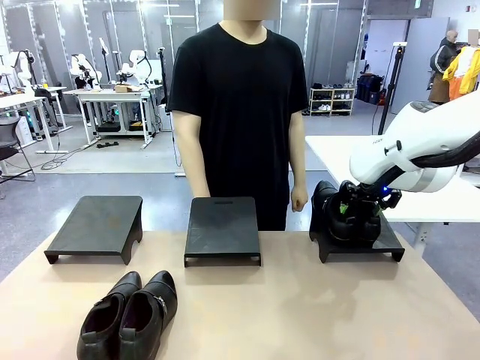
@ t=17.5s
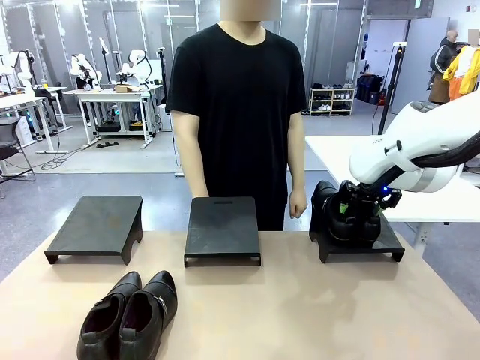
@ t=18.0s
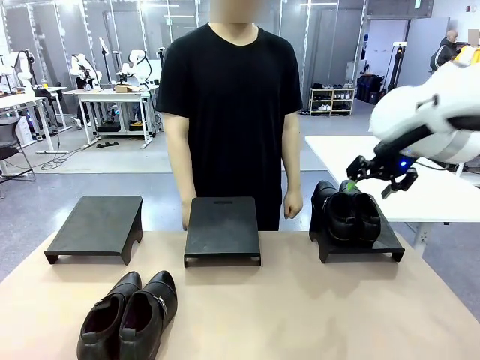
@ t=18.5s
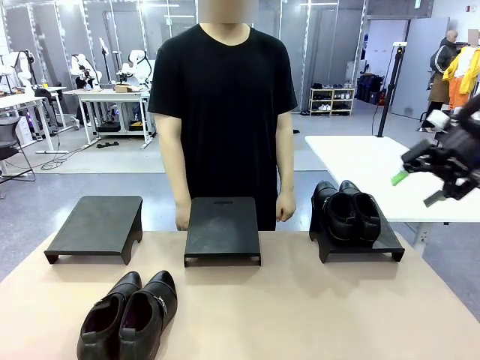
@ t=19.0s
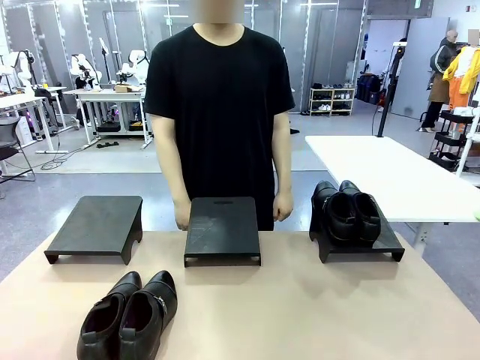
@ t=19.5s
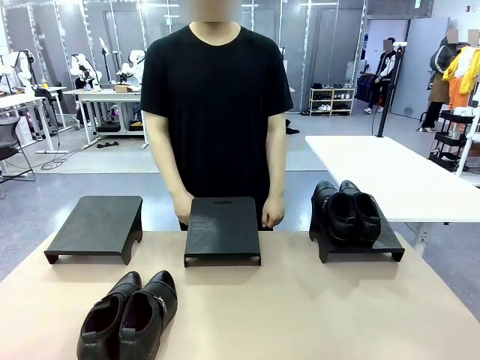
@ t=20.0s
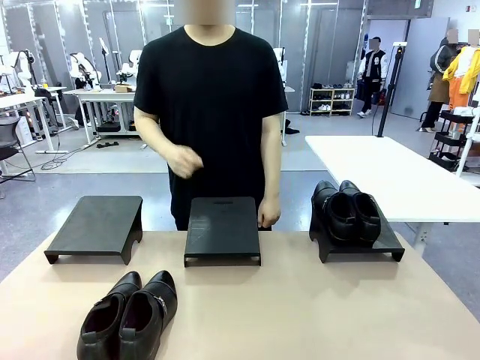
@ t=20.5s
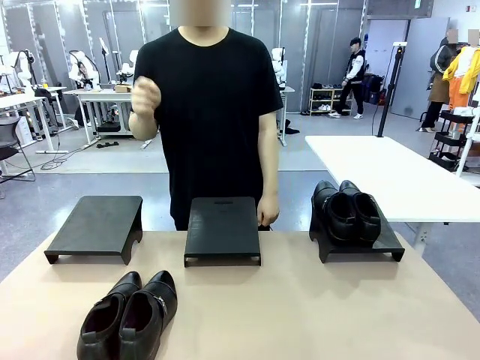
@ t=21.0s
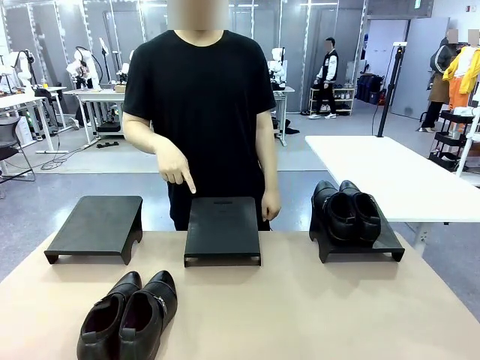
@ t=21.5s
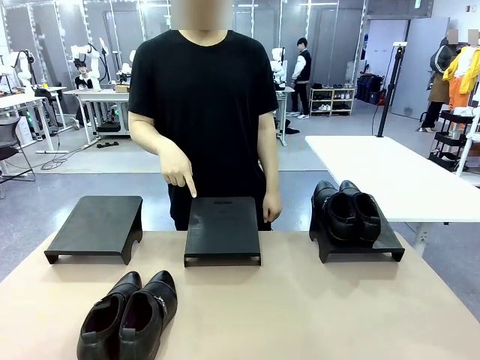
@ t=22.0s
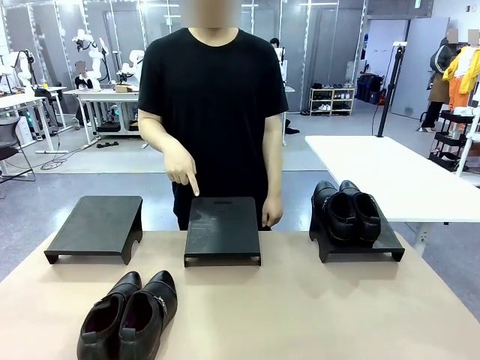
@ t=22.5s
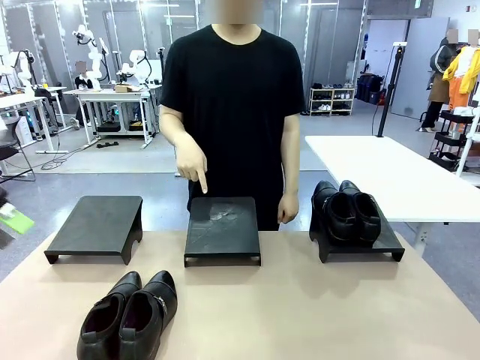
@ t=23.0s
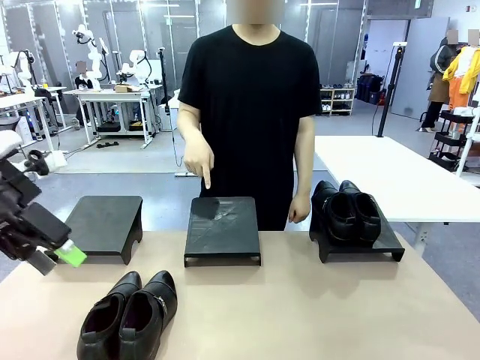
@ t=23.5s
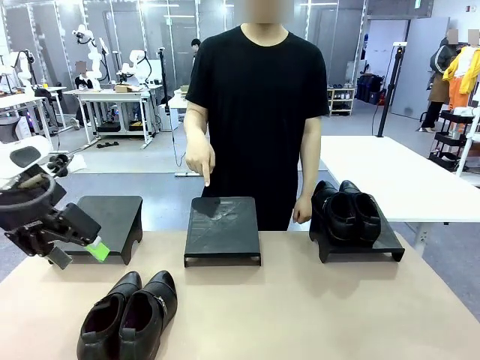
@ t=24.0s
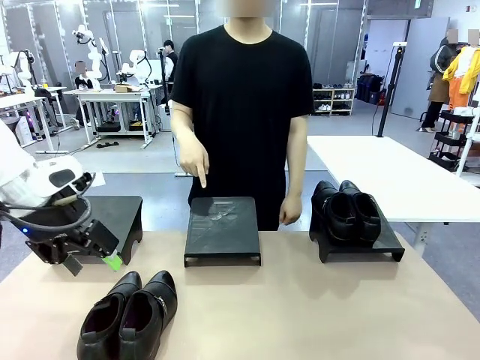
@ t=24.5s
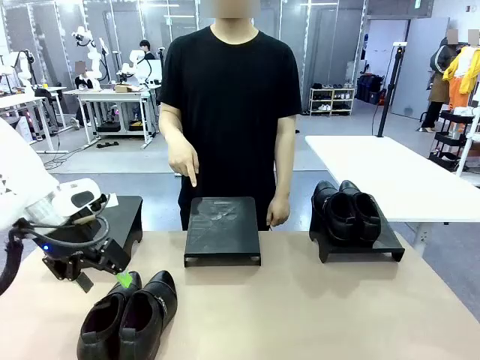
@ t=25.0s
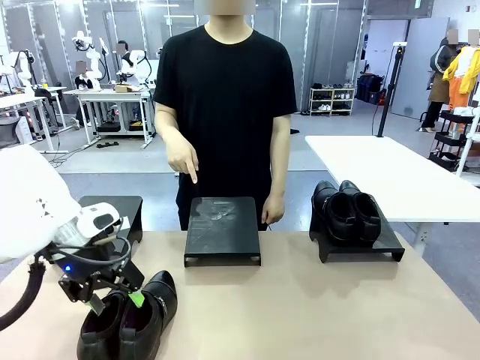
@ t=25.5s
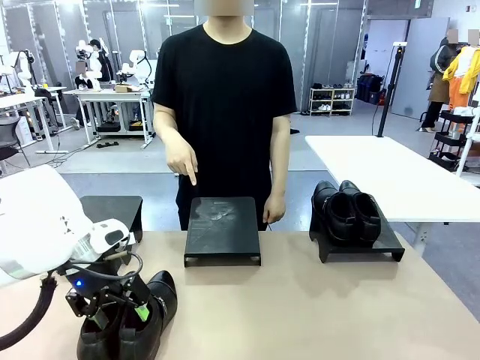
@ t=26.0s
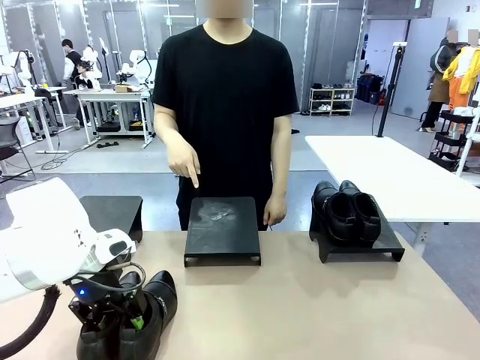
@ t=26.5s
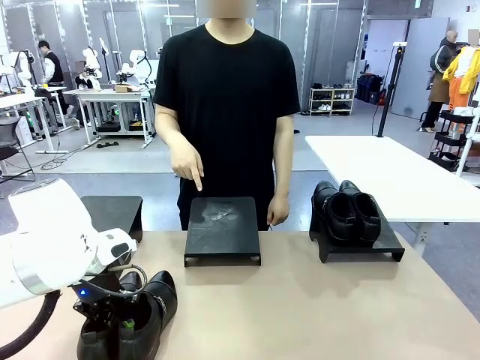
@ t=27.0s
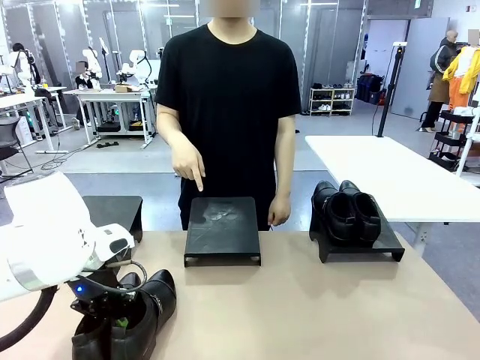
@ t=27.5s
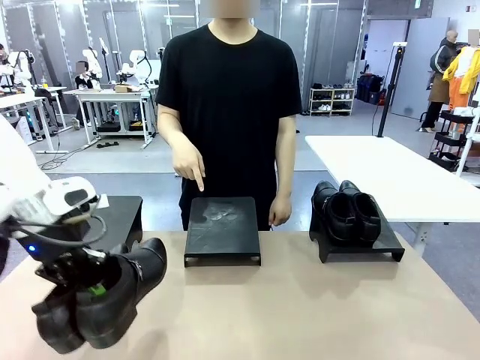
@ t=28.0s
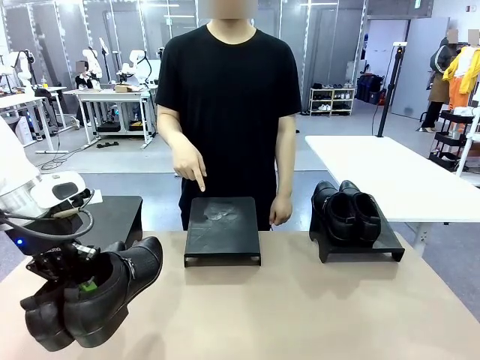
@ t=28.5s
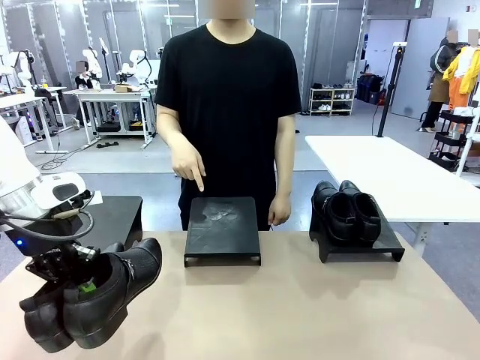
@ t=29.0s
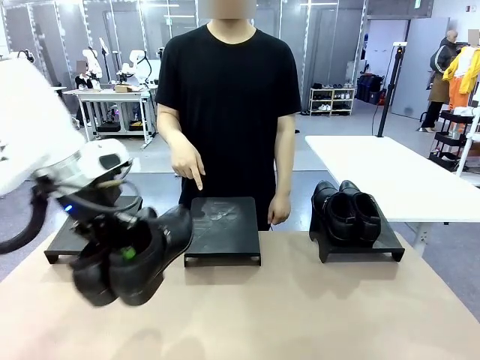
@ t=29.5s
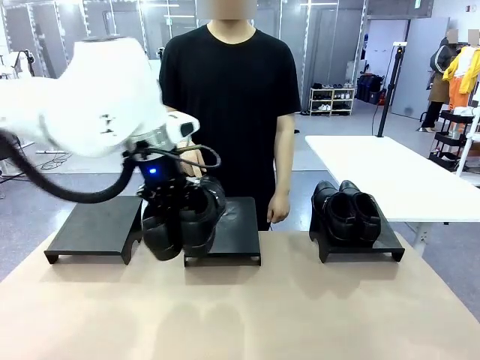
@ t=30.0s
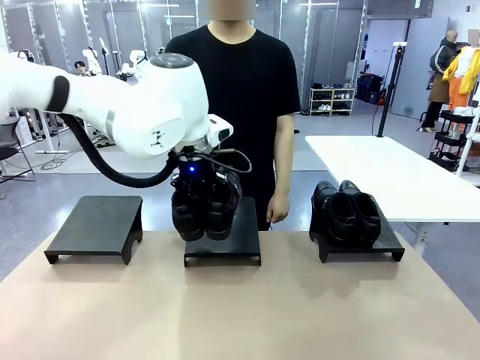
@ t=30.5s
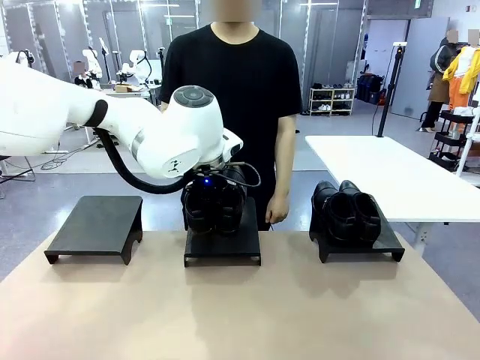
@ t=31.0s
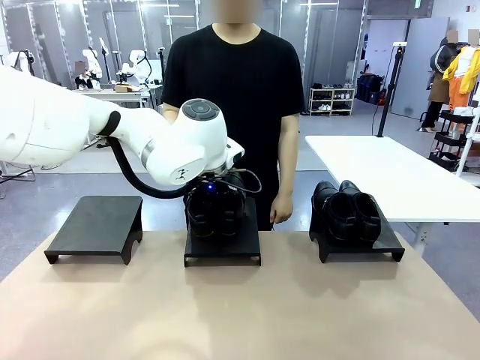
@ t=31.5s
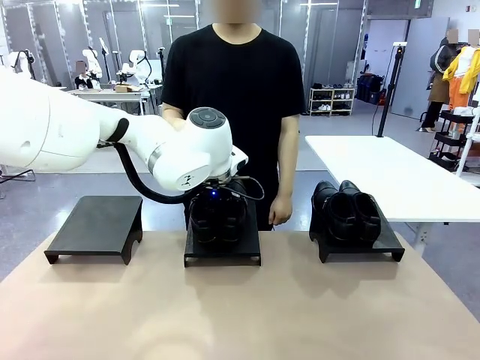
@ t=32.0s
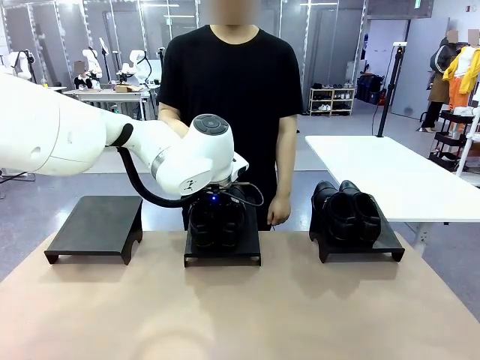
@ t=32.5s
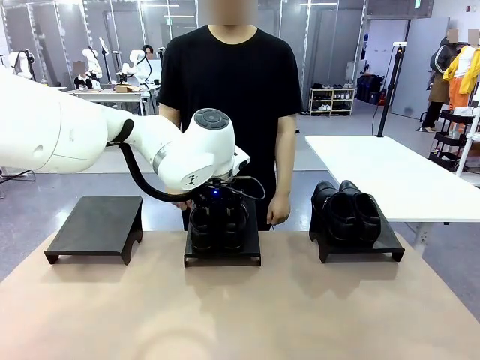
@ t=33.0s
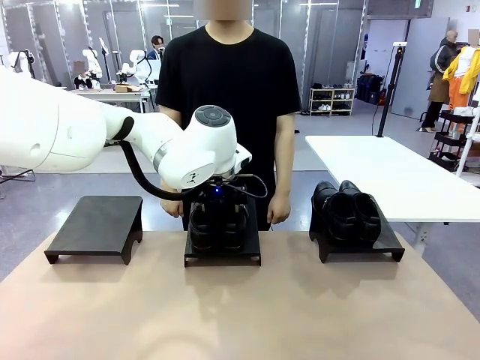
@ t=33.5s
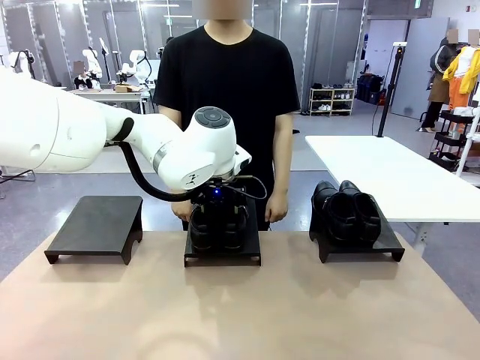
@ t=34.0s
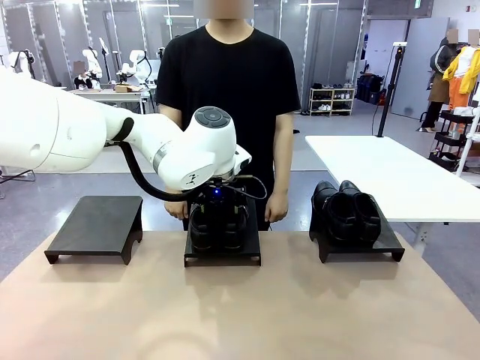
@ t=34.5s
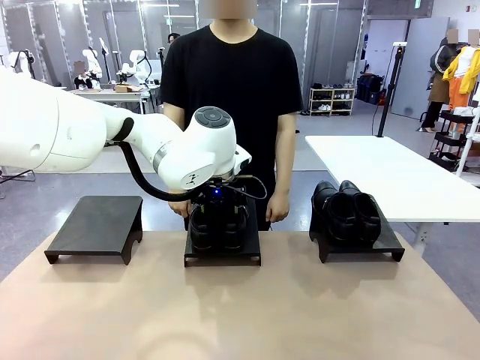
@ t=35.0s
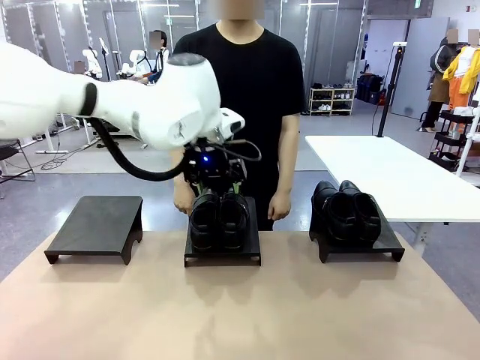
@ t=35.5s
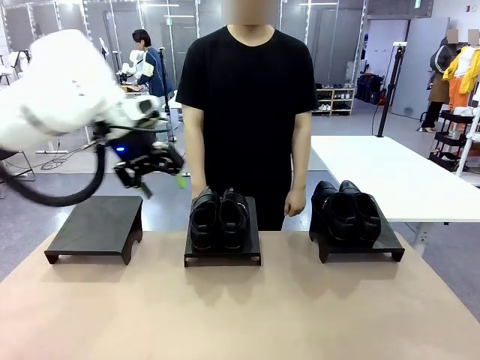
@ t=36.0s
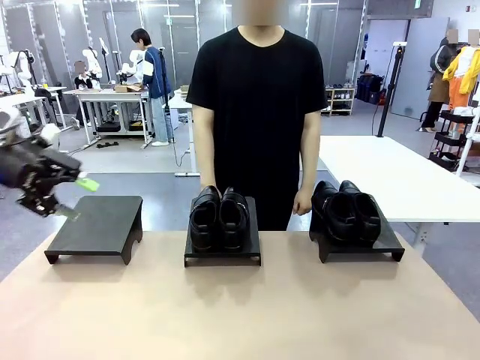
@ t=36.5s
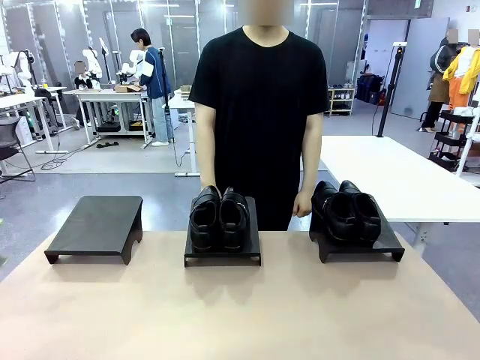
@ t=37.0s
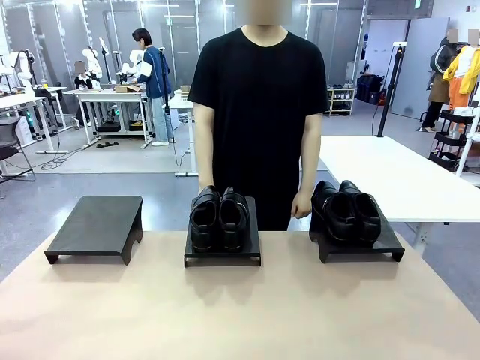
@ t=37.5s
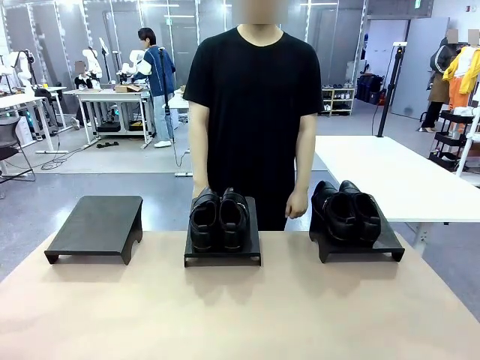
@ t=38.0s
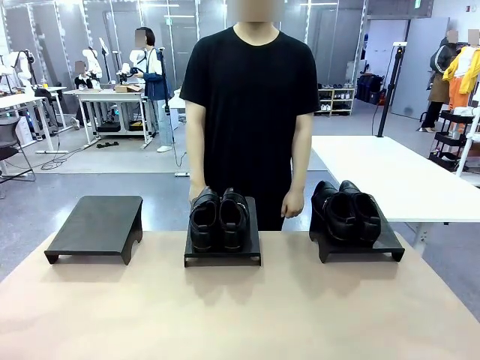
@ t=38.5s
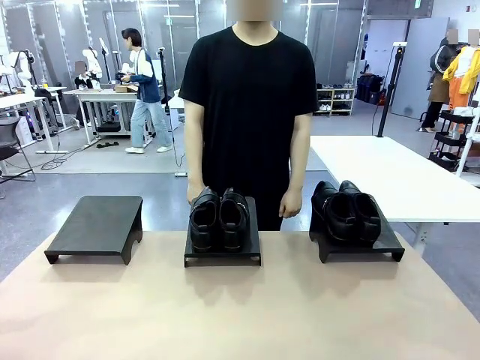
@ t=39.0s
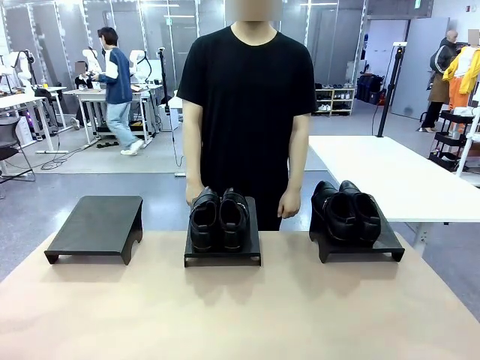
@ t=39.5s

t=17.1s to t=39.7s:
Task: Place the shoes on the stand as instructed by the person.
Robot: Pick up another pair of Shoes and place it on the Shoes Stand indicated by the person.
Person: Point to one Shoes Stand.
